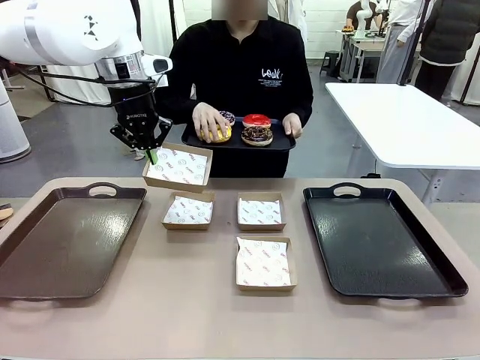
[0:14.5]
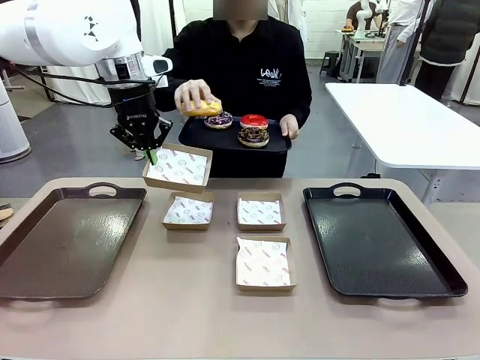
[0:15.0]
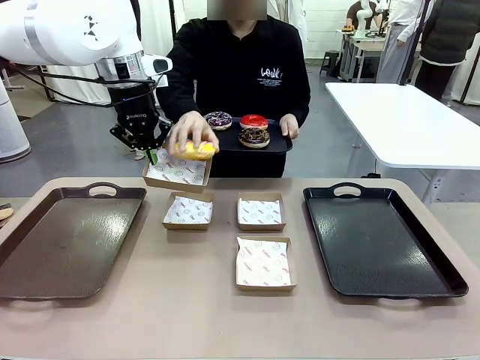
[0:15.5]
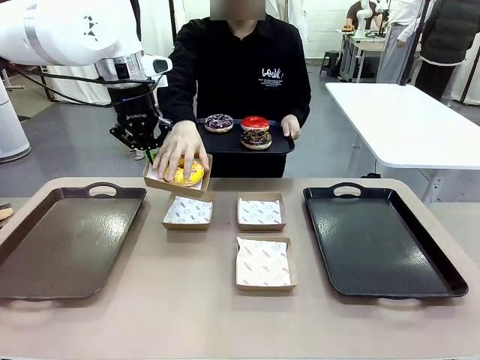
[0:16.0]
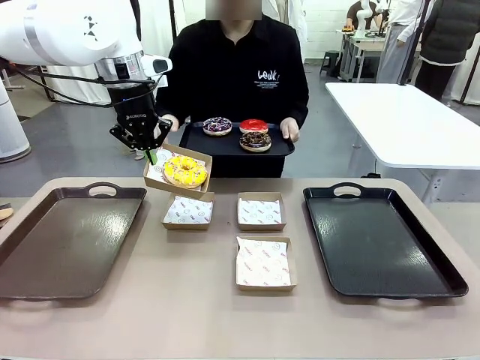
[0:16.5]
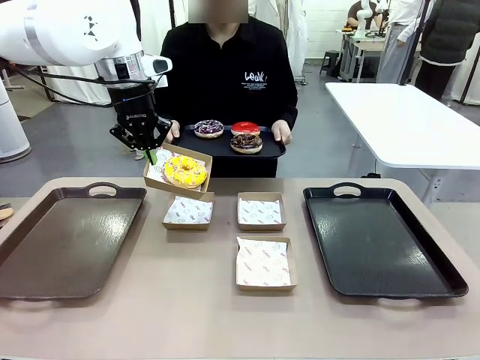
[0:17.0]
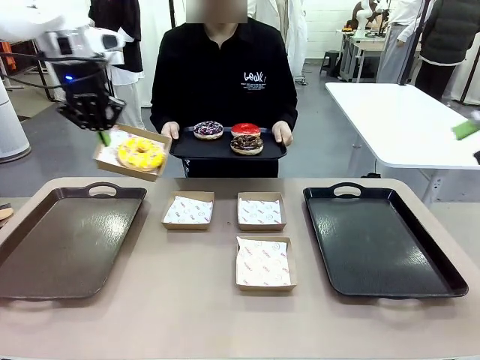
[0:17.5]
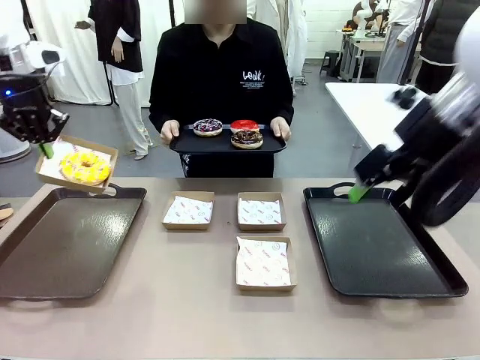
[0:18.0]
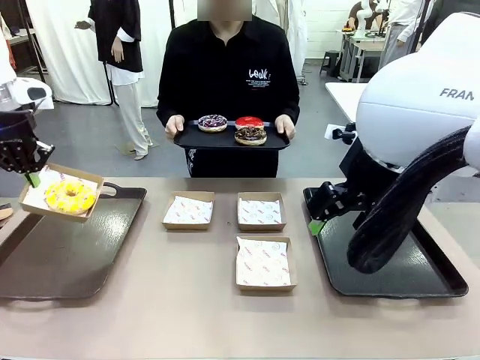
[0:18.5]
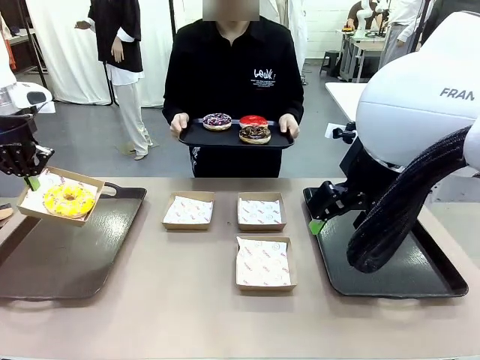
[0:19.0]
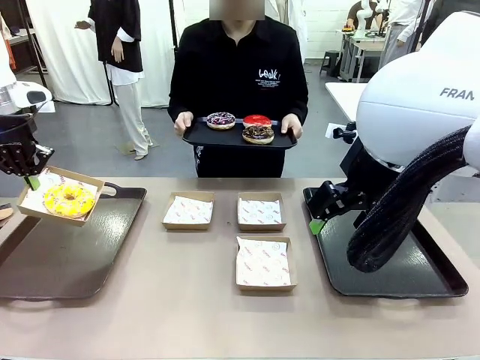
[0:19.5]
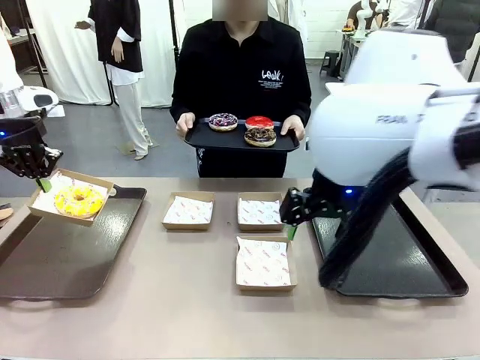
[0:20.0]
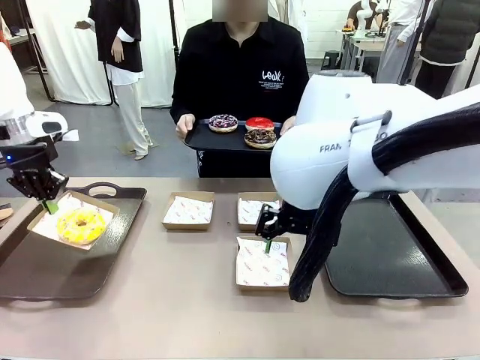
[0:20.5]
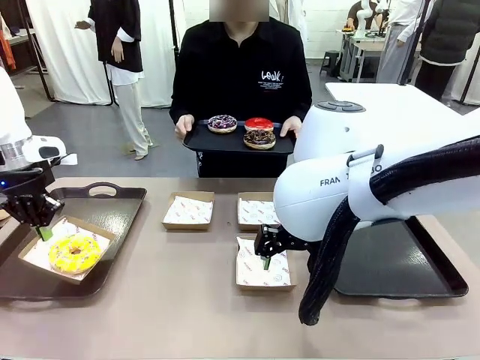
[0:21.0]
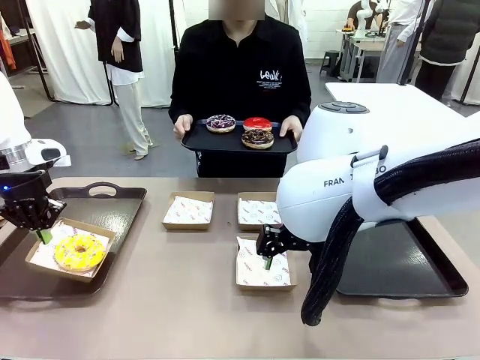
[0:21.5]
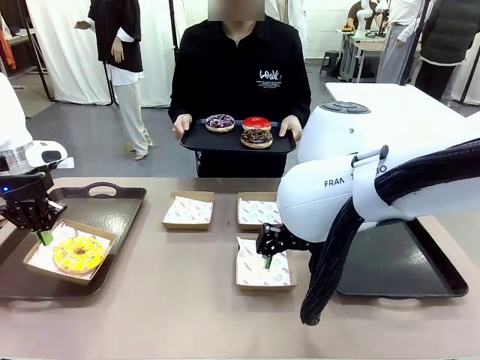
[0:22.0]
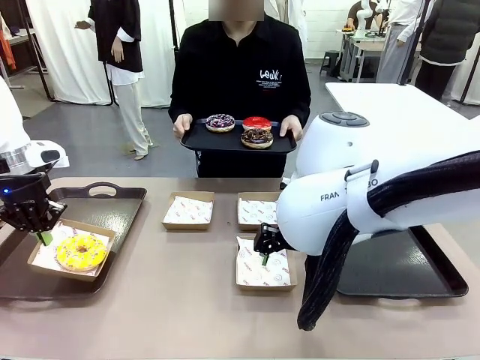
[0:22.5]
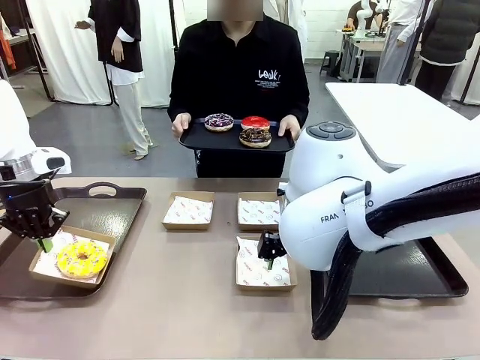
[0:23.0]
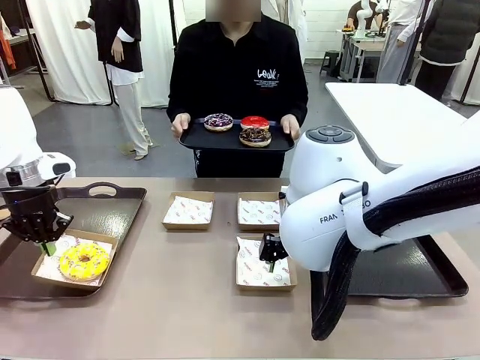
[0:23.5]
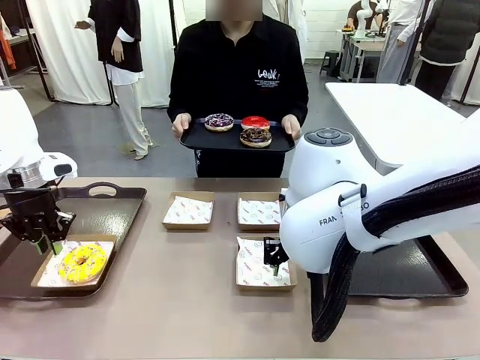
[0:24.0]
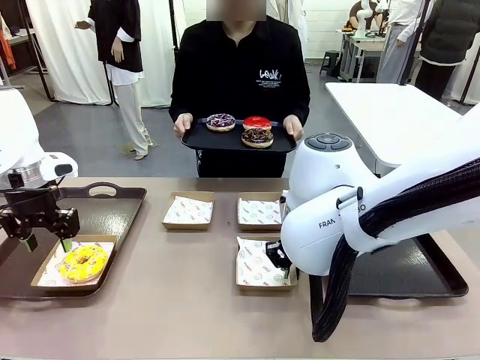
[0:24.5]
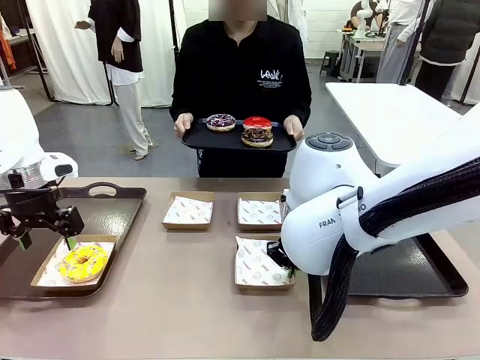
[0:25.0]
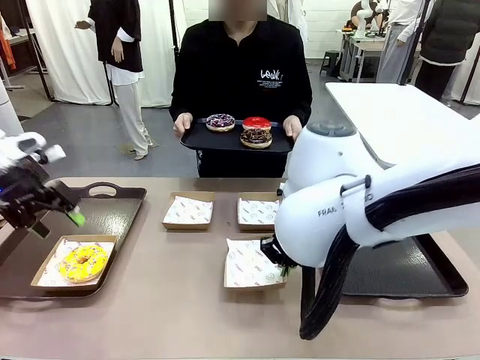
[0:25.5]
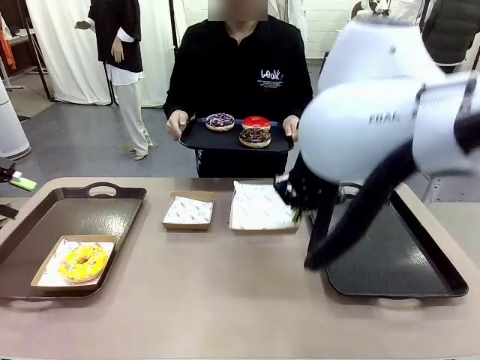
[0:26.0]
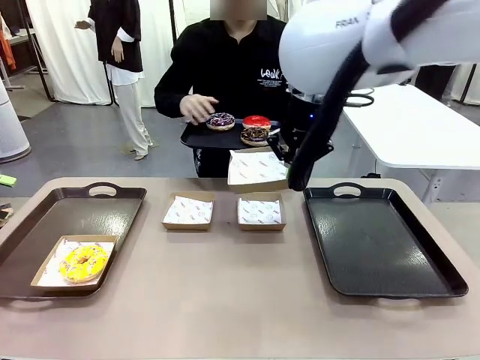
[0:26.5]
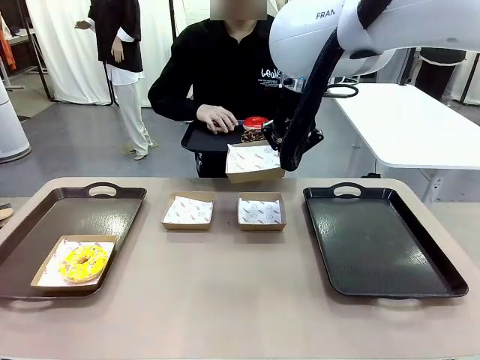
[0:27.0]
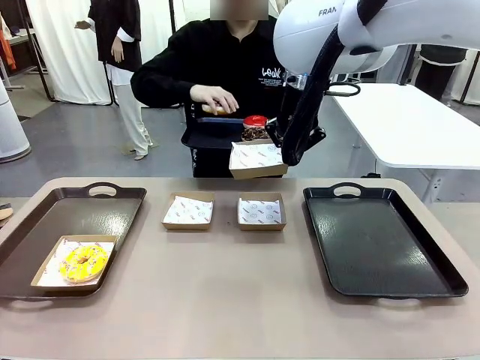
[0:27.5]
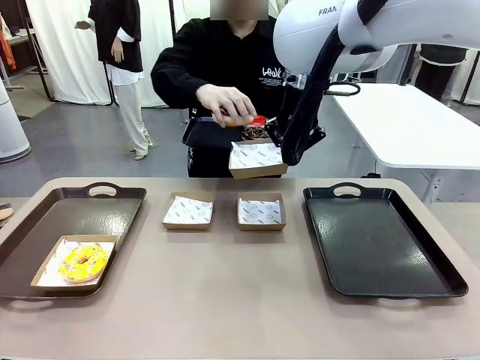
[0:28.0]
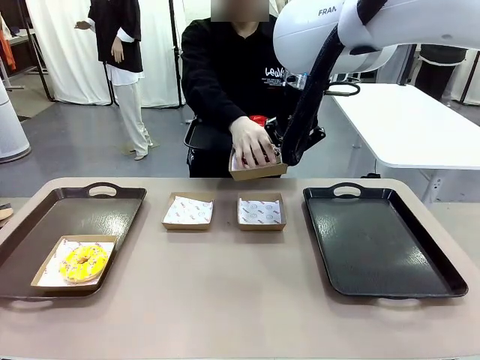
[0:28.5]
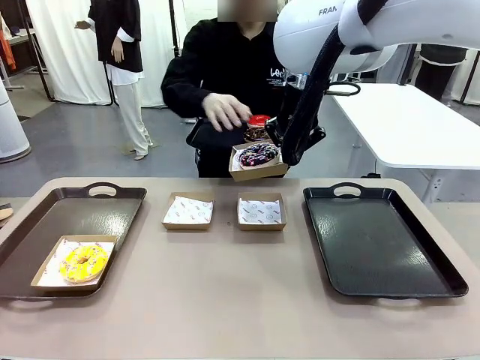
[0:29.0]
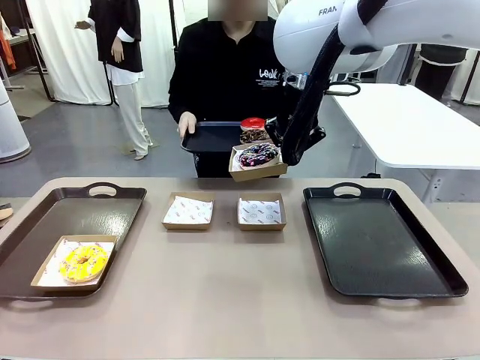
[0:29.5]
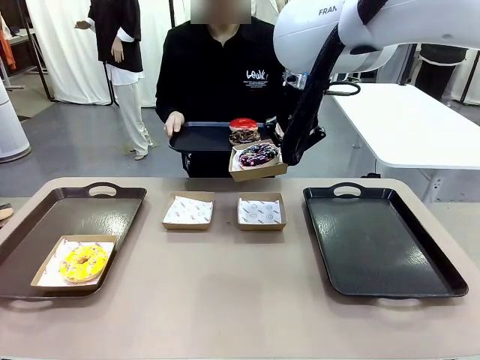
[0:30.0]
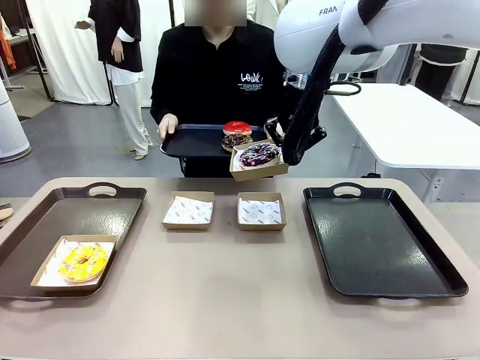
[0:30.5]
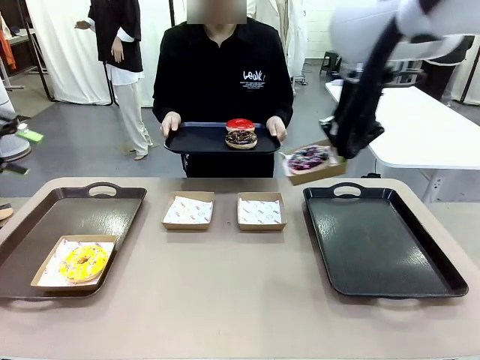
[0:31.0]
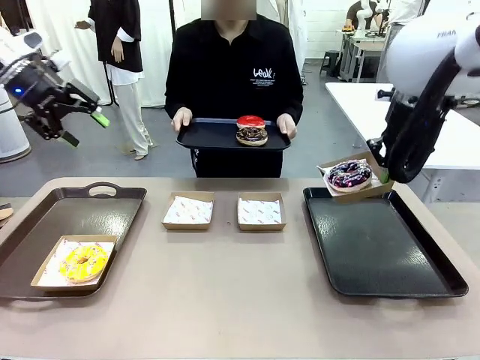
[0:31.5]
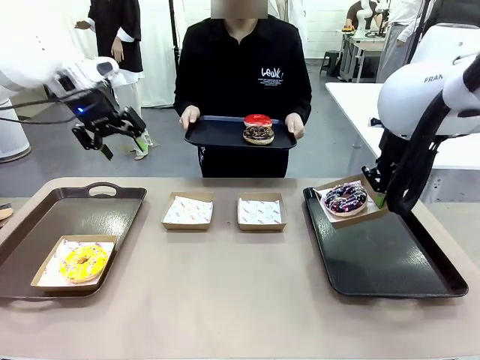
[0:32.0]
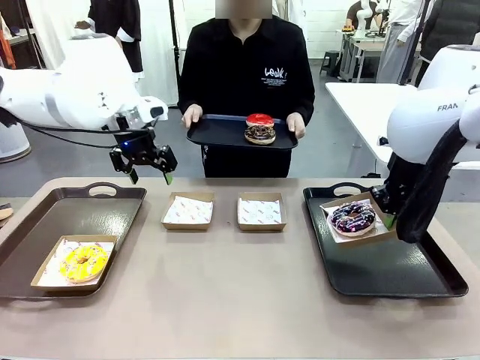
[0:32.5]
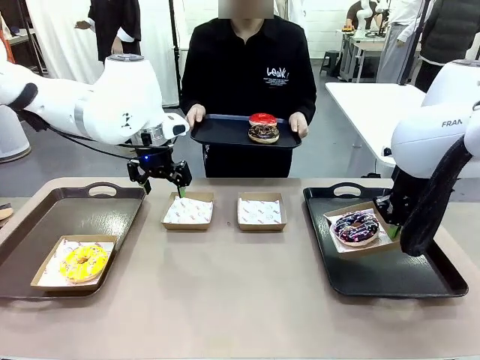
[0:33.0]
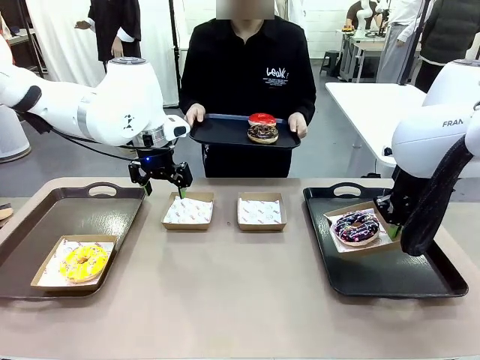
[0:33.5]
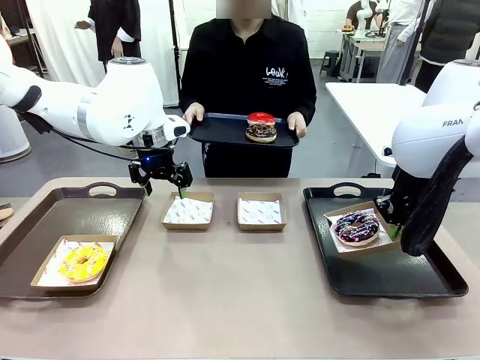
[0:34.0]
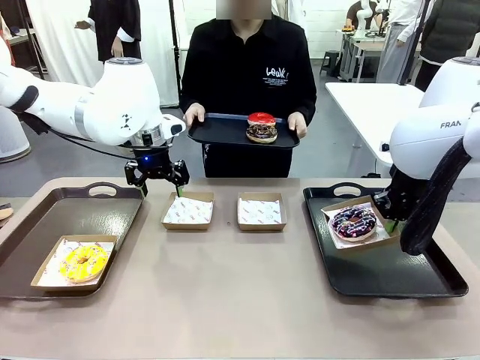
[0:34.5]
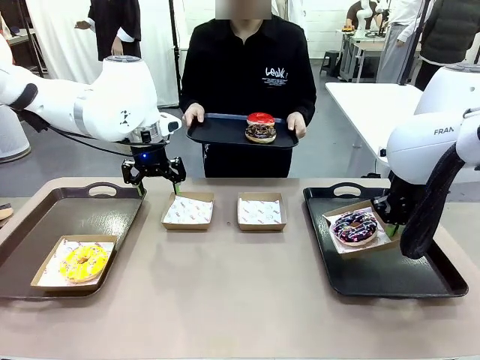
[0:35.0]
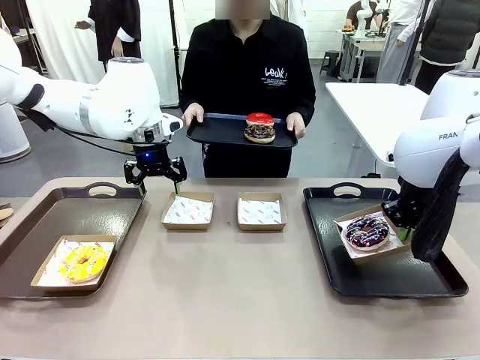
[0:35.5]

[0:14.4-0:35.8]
Task: Individually package the donuts and arrange them on the tray.
Robot: Place the picked Paper togo box on the Handle tray while simultaneously picking up another Paper togo box from the table with the other hand.
